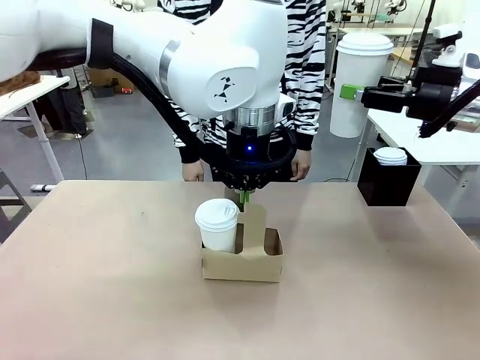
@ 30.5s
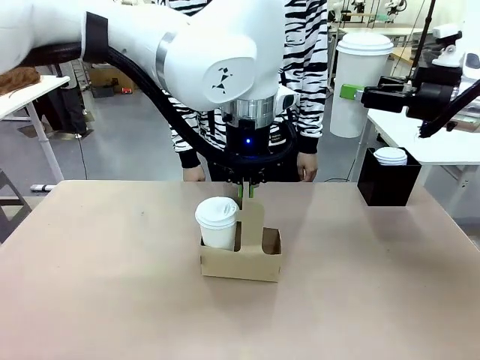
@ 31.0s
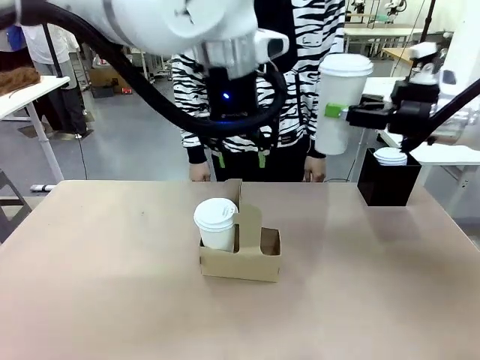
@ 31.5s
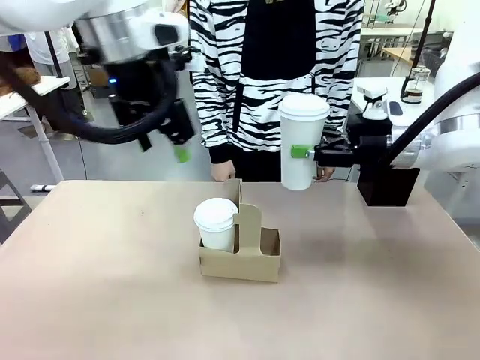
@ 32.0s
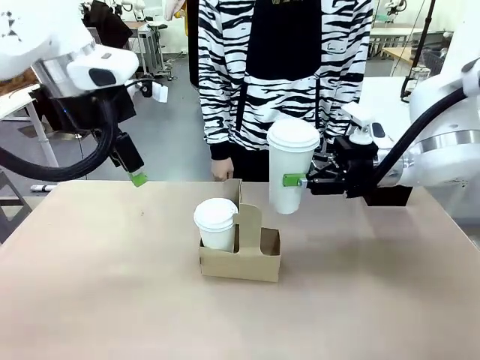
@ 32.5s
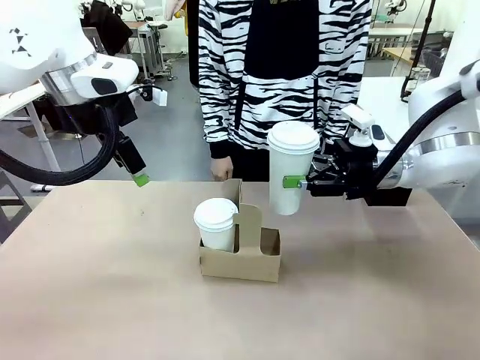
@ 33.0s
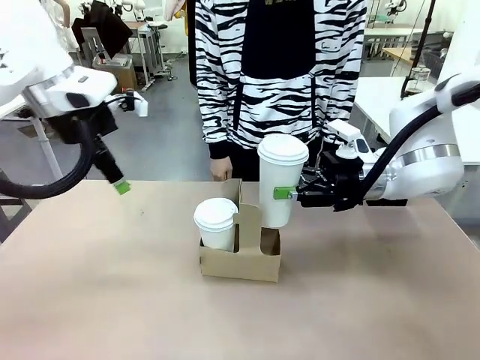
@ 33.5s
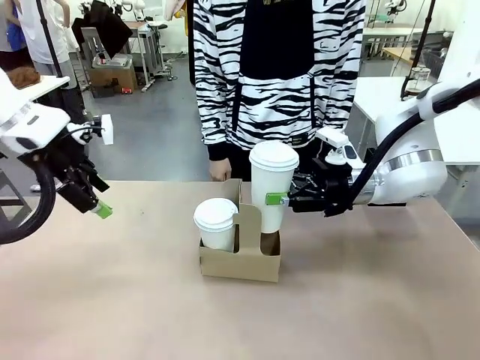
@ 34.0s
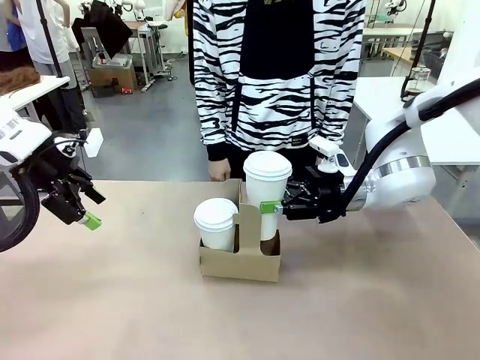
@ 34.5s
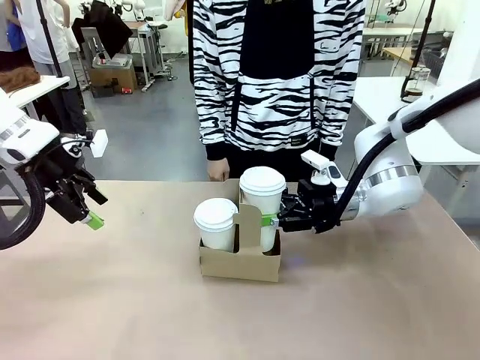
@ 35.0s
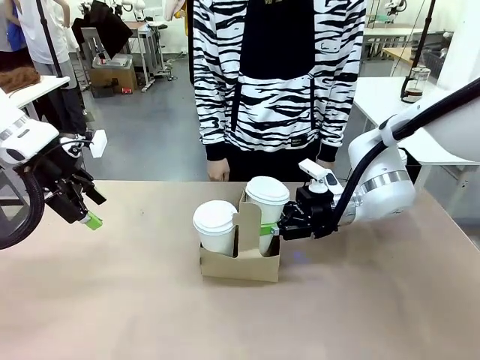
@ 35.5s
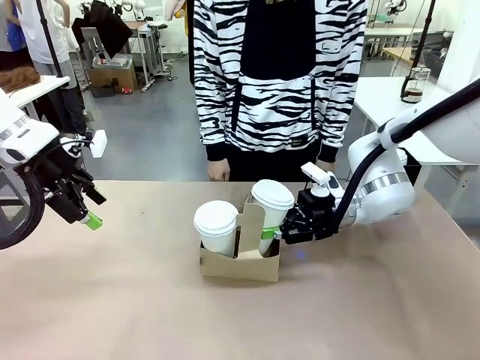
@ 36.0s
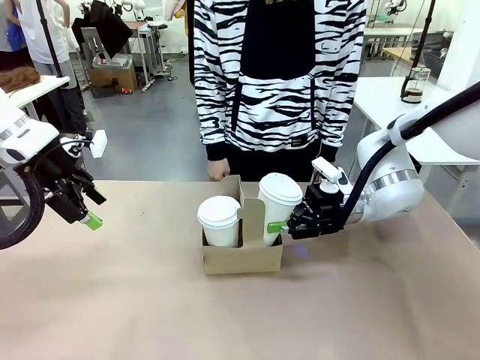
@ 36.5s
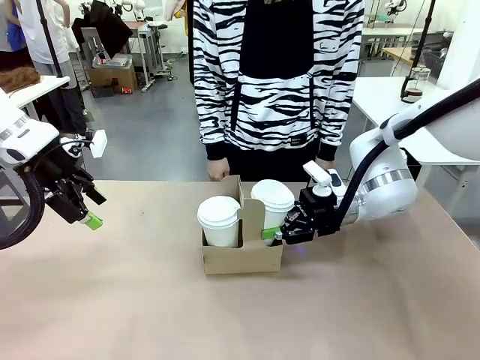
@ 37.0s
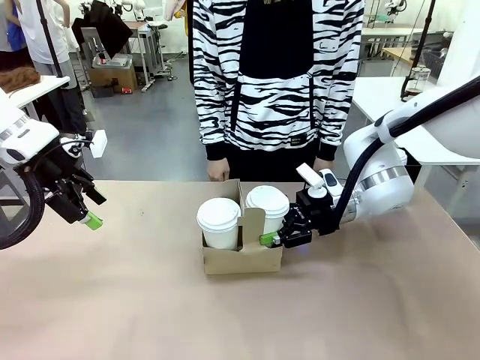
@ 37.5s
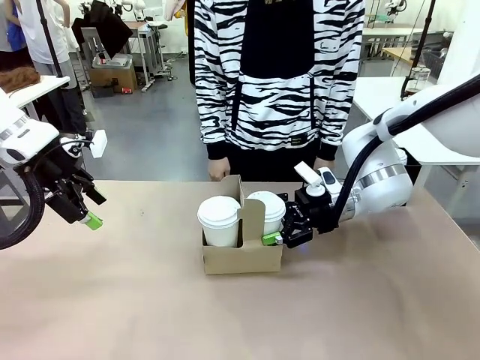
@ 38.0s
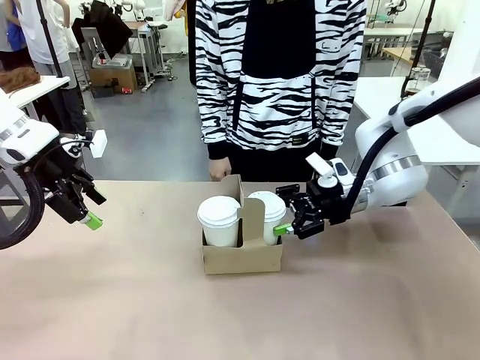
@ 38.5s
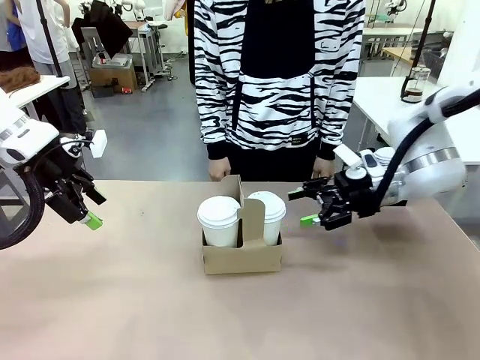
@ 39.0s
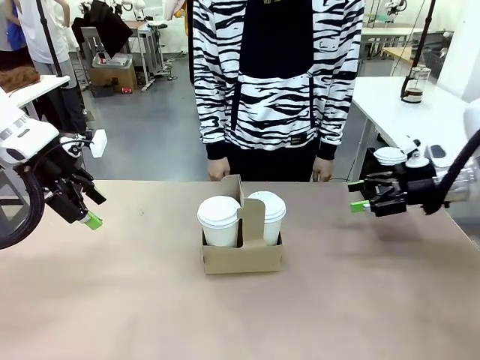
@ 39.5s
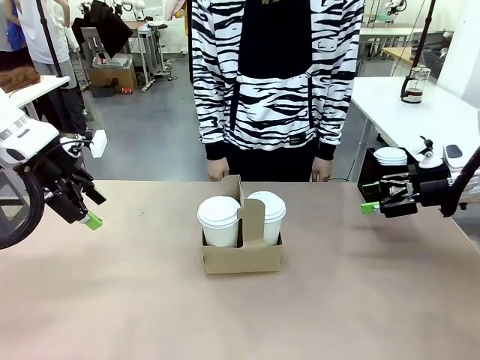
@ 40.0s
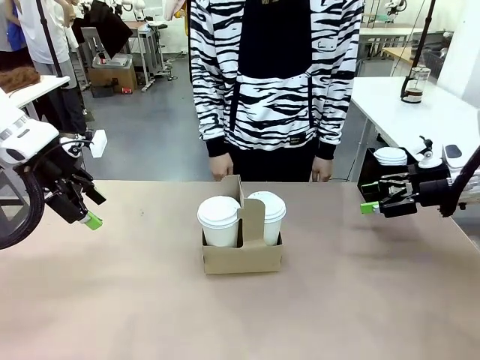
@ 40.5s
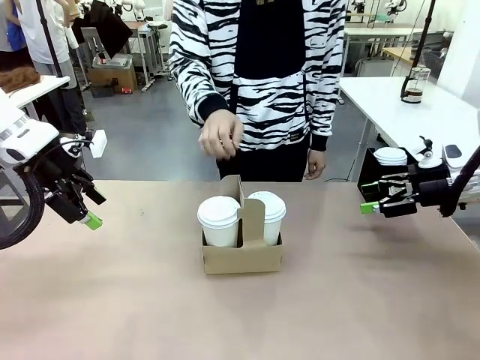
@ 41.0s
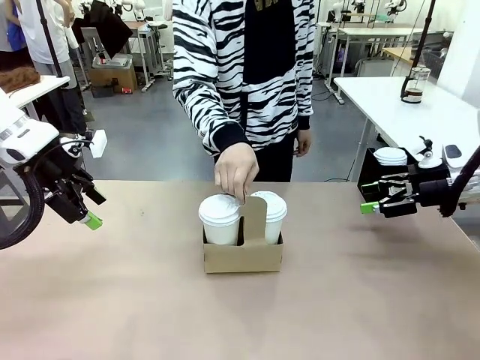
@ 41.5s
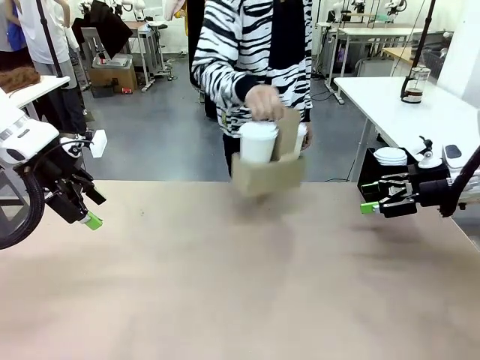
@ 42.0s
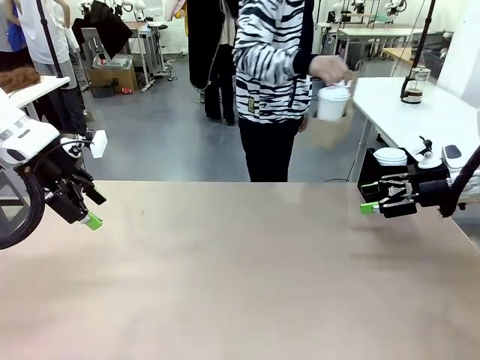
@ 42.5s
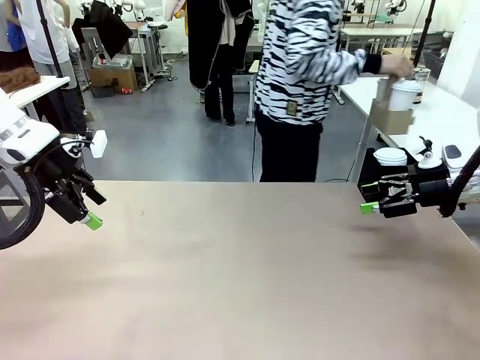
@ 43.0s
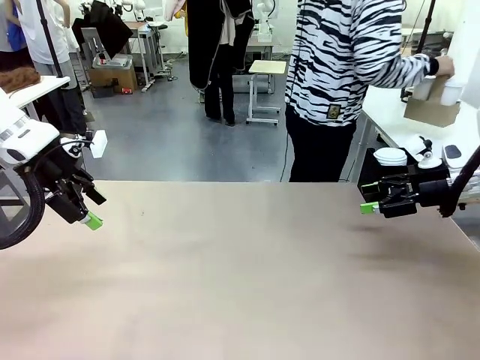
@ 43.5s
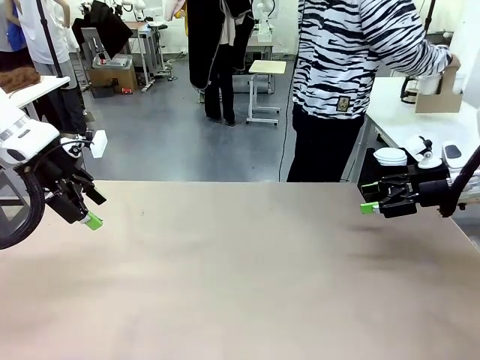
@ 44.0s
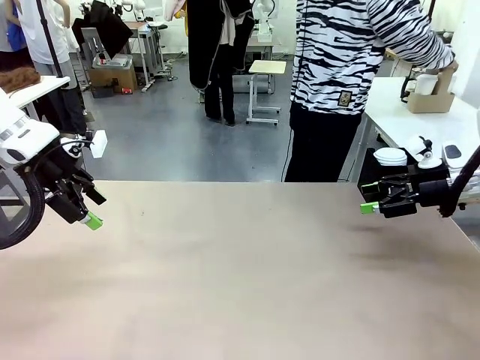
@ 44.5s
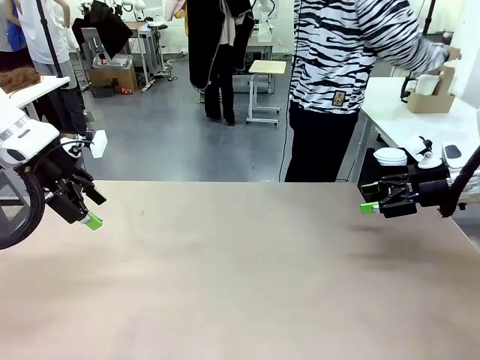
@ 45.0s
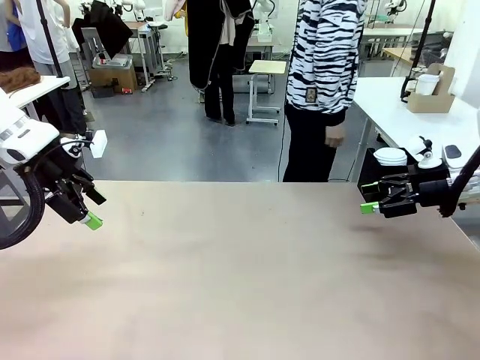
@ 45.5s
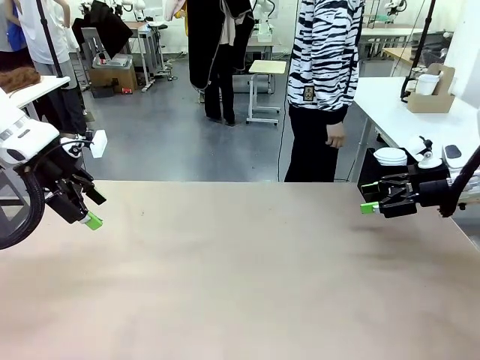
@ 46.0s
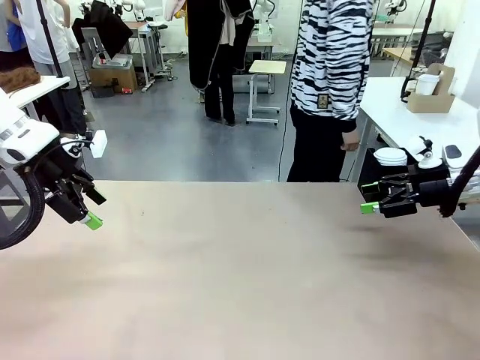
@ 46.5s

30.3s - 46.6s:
Task: Pour a drink into a cup and package it in a carrier.
Robot: Insert the held 600 ml Paper Cup into the Cup Carrier.
Person: Place the Cup Carrier to the middle of Human table.
